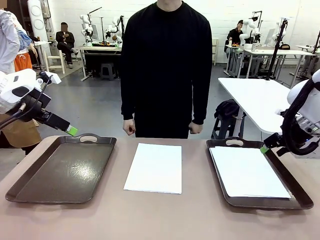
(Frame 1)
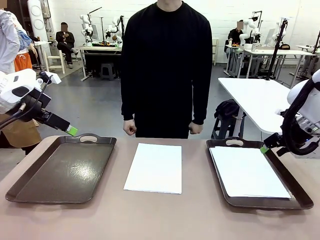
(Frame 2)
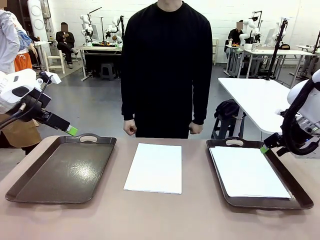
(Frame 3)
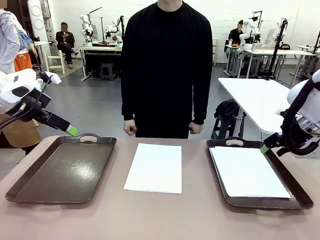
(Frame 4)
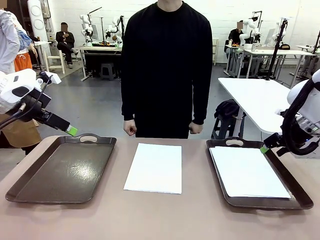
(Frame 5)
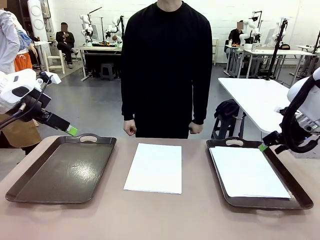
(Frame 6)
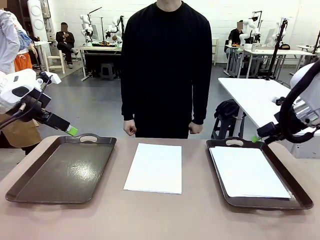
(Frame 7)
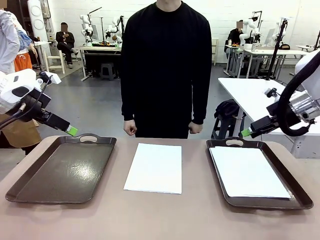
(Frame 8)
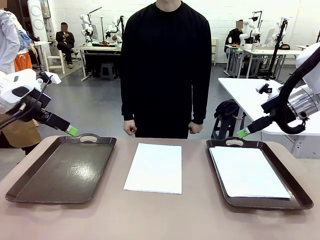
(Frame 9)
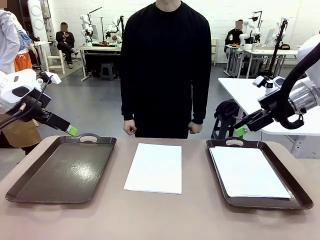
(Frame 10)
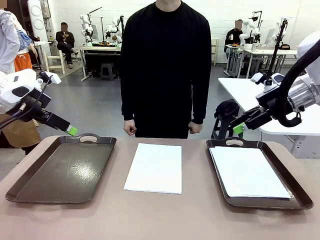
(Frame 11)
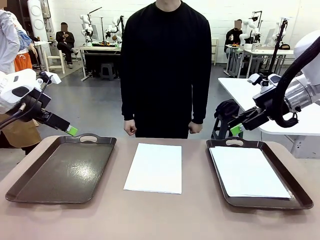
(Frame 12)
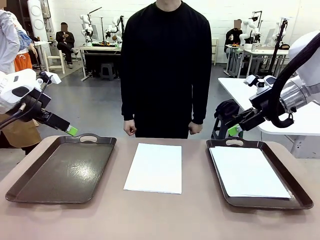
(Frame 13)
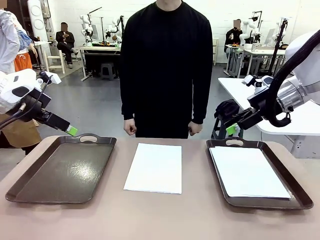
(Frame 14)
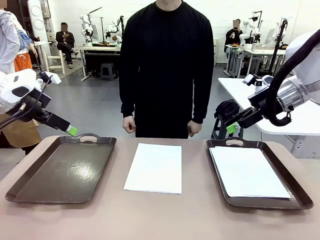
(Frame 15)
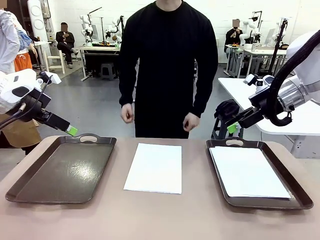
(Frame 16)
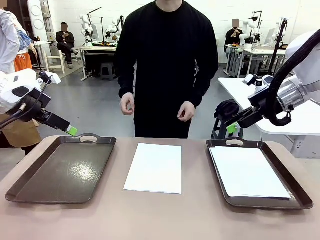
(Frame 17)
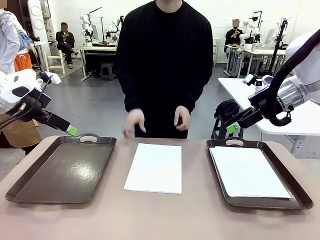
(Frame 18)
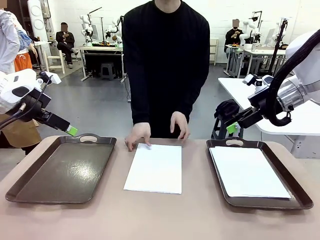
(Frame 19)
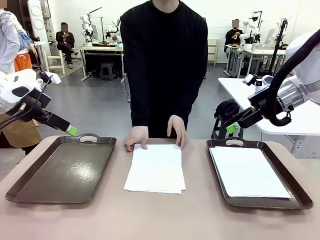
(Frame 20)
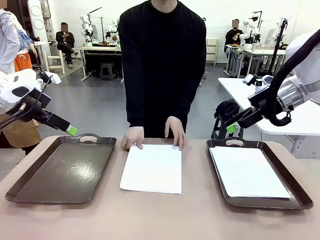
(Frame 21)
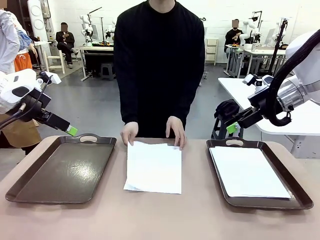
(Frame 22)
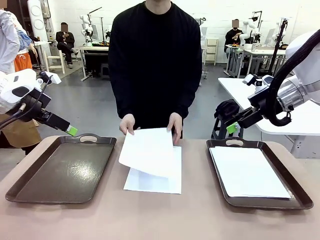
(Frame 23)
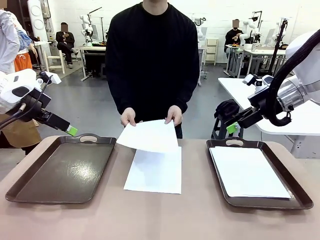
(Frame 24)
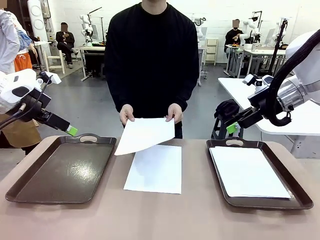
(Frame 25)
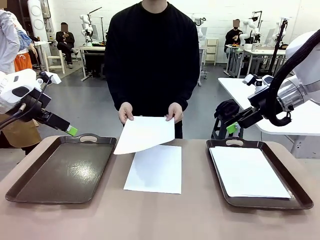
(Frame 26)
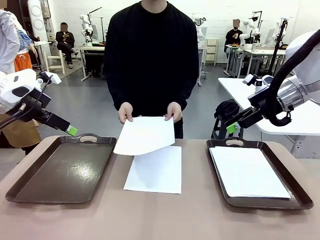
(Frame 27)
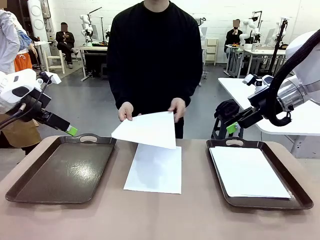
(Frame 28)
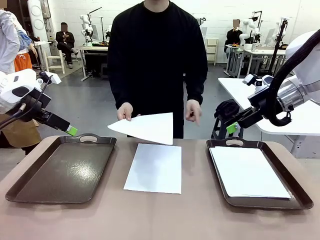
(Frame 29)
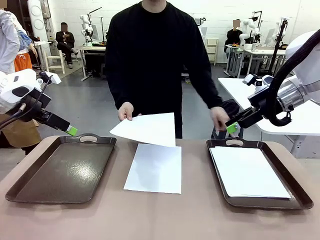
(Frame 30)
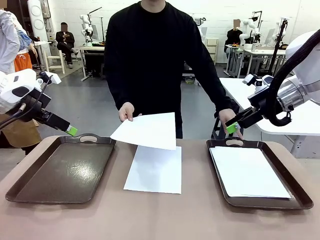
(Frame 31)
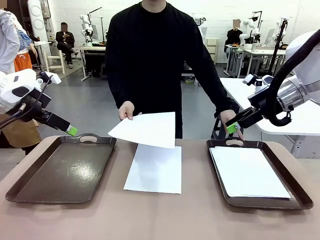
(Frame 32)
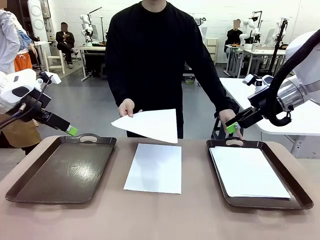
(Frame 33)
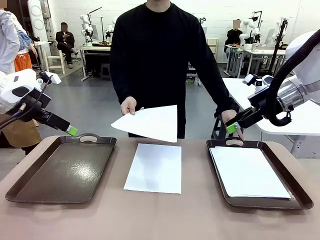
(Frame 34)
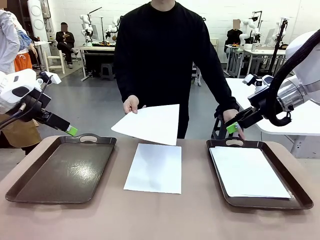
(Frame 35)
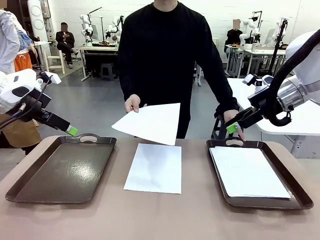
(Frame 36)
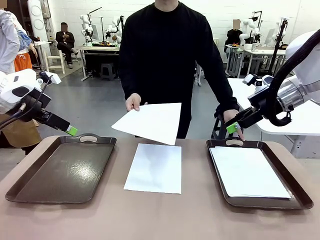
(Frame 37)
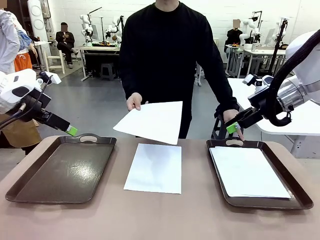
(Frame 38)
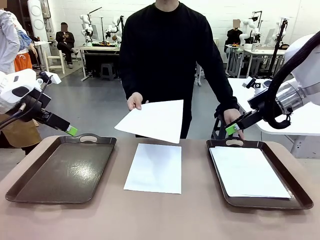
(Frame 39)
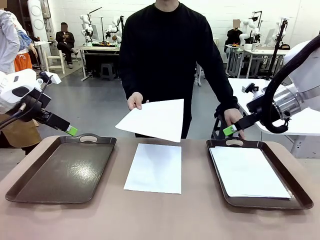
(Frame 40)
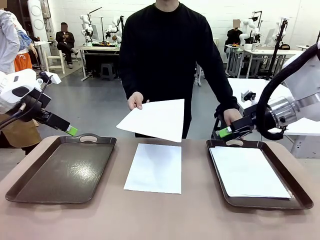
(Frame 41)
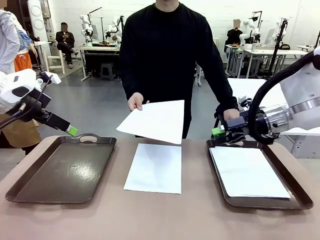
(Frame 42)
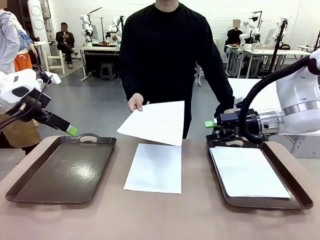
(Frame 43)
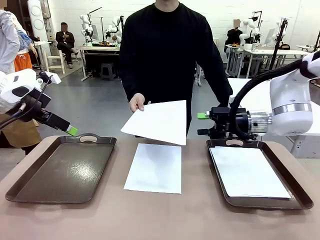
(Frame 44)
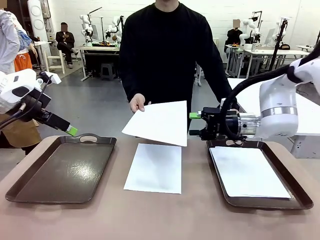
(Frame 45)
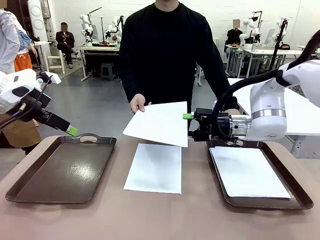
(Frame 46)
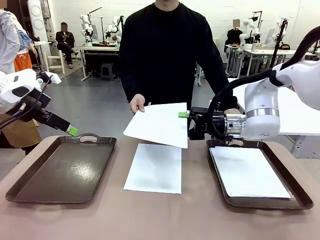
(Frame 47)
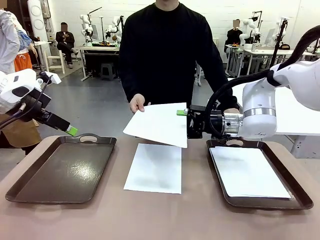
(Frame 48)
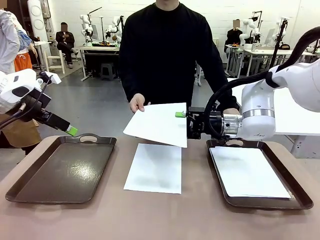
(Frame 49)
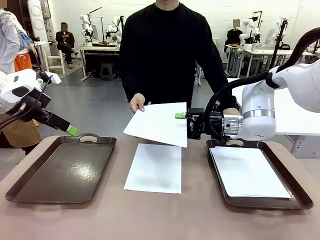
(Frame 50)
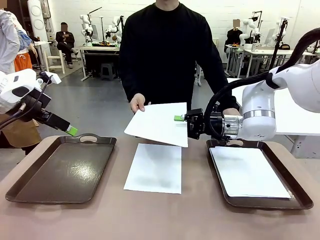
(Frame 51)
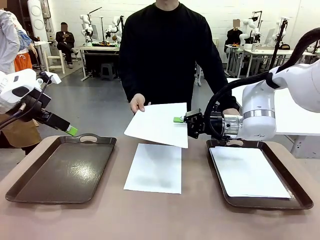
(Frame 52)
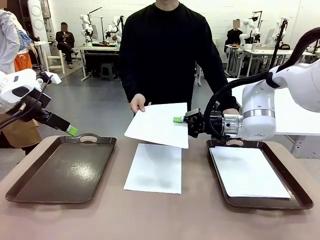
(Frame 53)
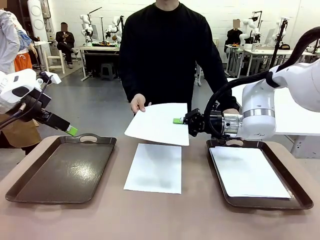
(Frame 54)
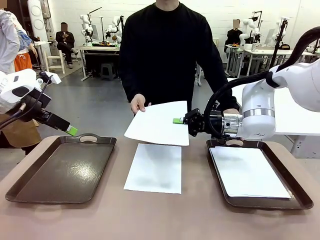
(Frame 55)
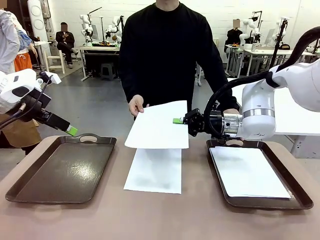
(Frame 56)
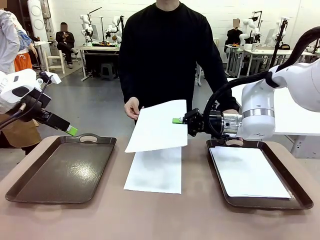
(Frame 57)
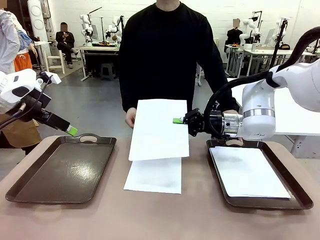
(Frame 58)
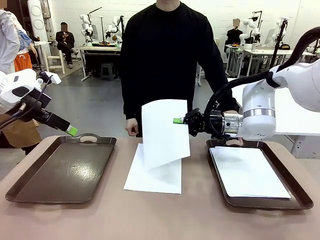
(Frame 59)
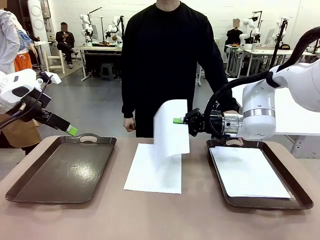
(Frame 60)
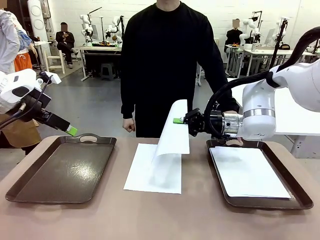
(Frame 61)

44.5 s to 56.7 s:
Task: Sort the A4 documents.
Robot: Receive the A4 Paper.
Person: Point the randomly selected tray with the other hand.

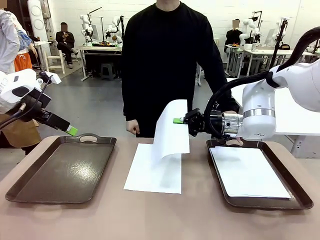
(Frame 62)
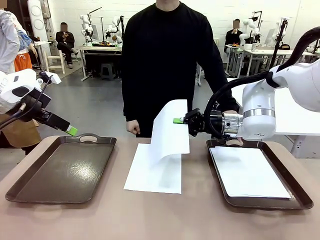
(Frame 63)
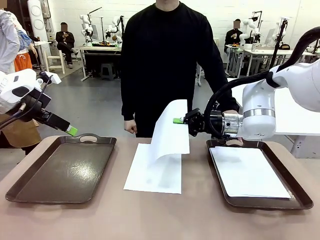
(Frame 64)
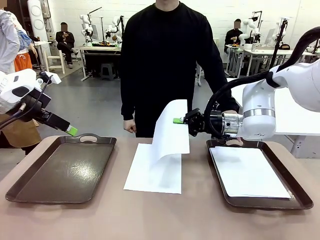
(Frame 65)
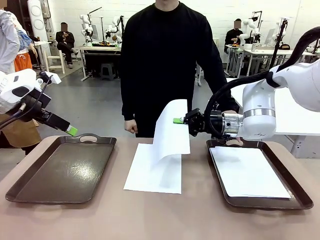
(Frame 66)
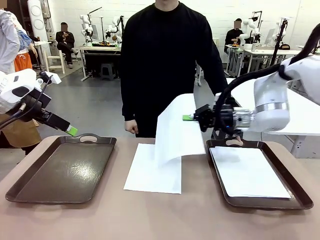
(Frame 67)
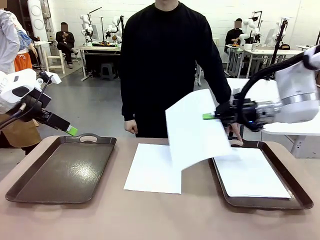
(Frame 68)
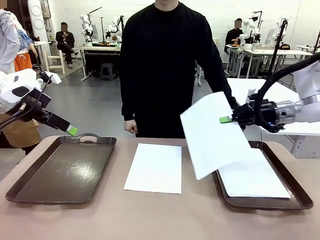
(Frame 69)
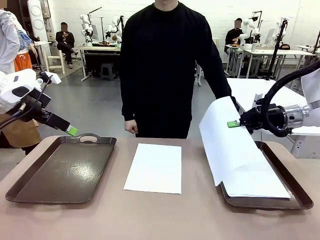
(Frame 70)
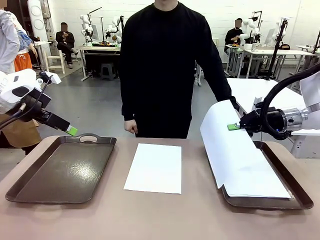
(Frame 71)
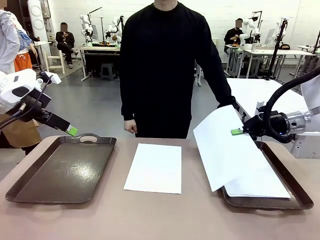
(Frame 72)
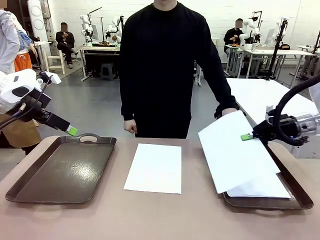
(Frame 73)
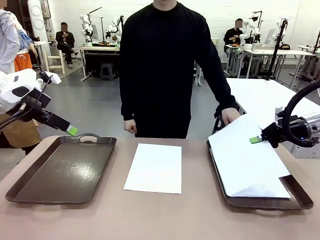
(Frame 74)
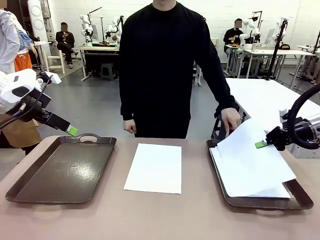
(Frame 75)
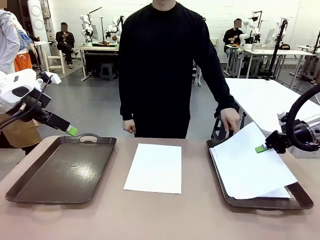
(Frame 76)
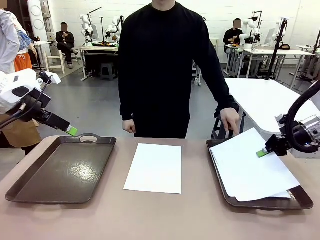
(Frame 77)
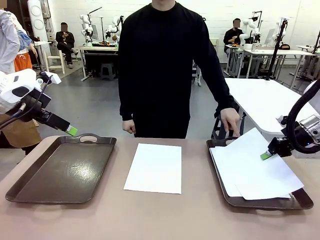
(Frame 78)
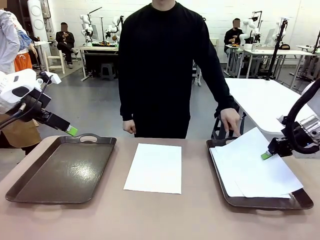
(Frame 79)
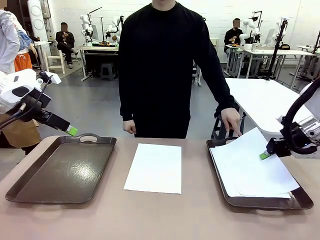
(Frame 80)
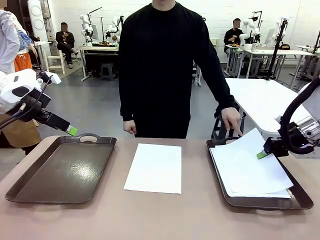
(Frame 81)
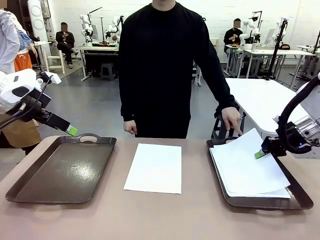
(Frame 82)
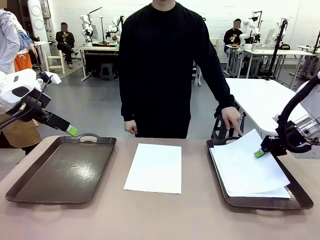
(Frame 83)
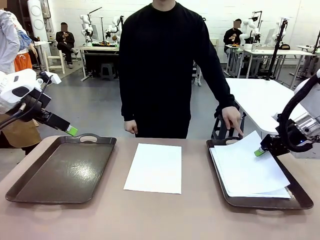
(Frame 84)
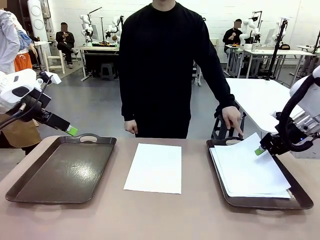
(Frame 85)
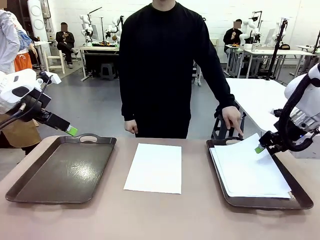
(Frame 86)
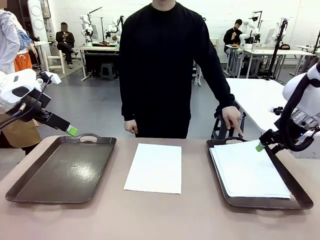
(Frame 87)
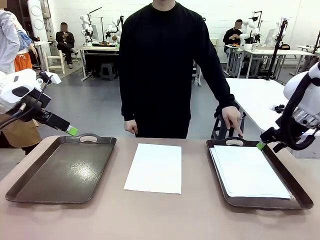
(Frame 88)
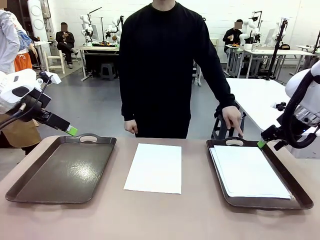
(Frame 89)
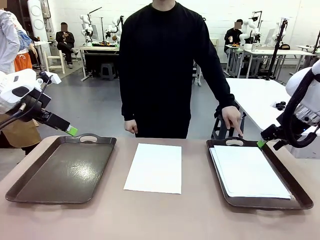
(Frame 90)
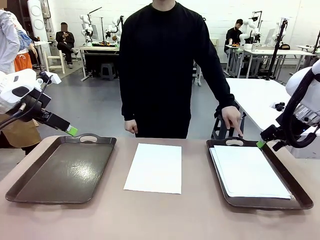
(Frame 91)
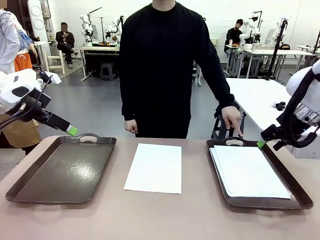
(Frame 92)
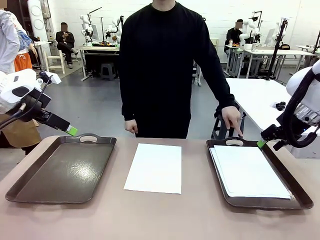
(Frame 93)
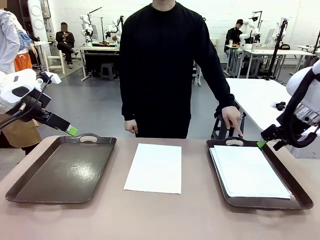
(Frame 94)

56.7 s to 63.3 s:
Robot: Place the A4 Paper in the designated Handle tray.
